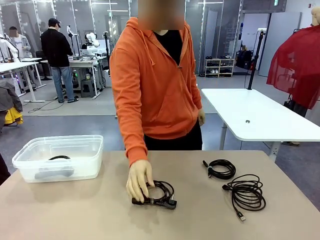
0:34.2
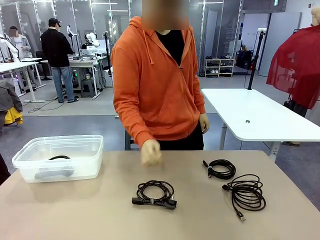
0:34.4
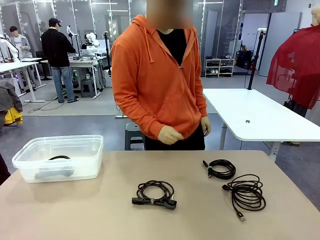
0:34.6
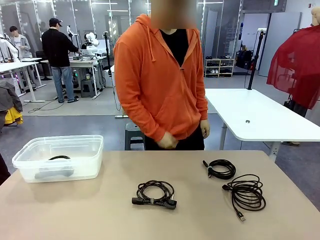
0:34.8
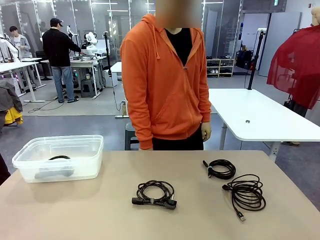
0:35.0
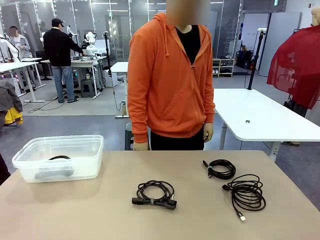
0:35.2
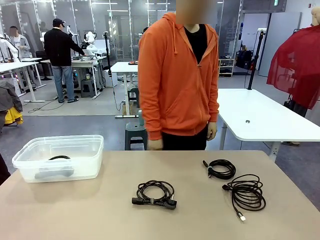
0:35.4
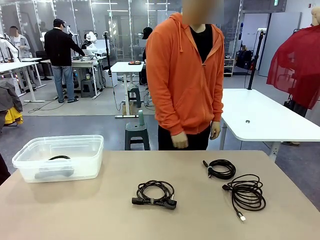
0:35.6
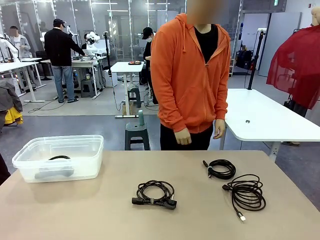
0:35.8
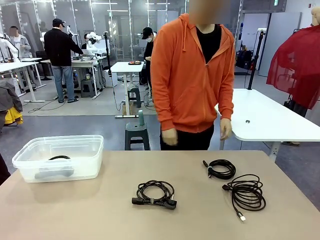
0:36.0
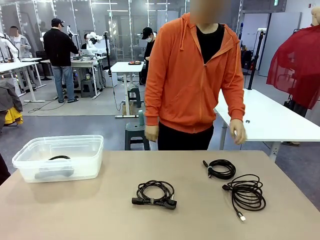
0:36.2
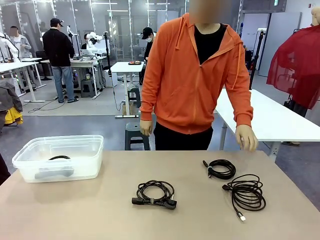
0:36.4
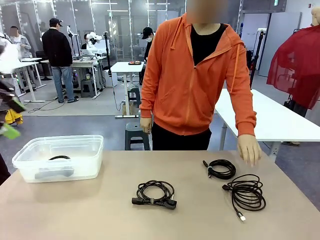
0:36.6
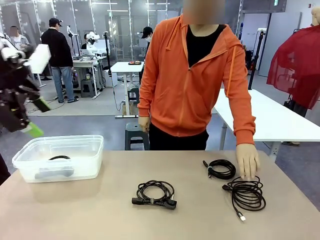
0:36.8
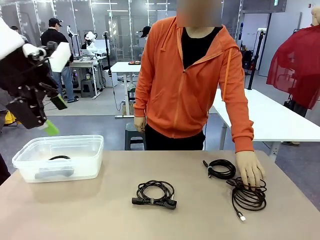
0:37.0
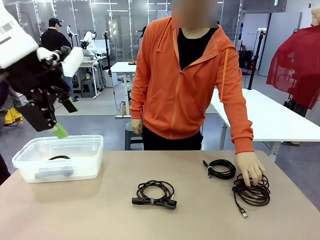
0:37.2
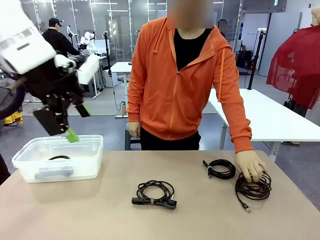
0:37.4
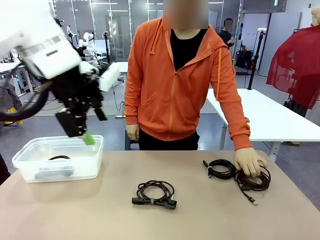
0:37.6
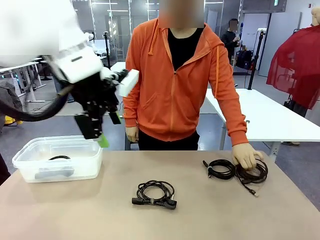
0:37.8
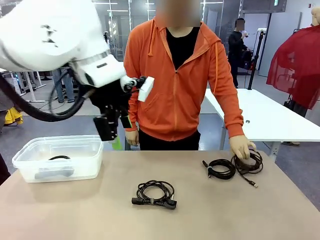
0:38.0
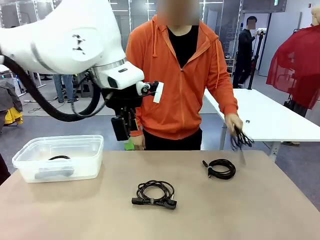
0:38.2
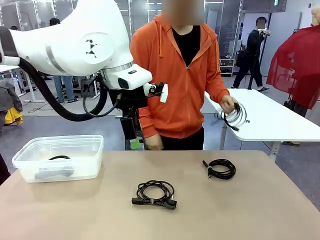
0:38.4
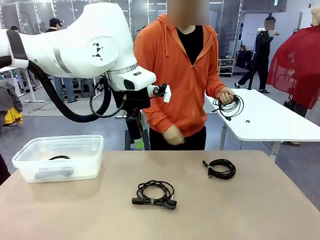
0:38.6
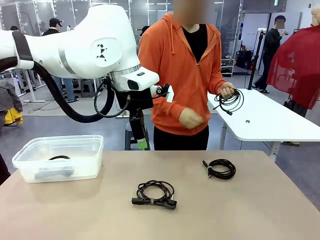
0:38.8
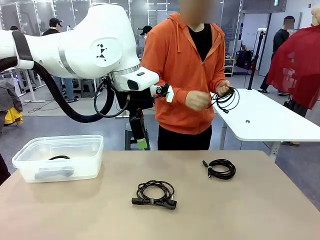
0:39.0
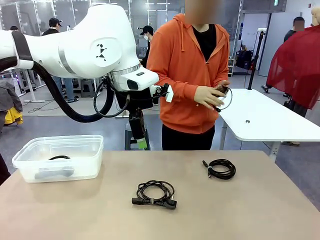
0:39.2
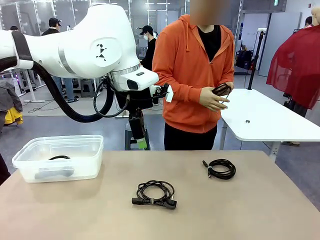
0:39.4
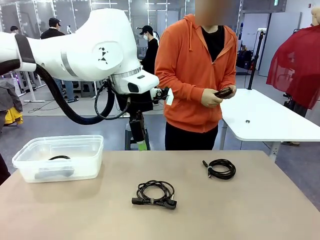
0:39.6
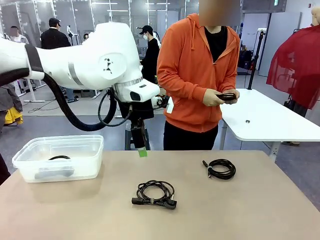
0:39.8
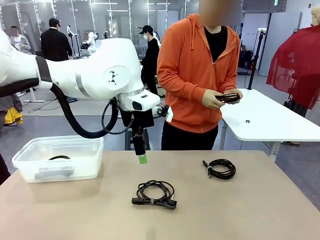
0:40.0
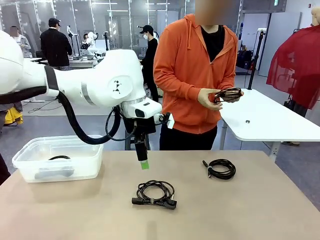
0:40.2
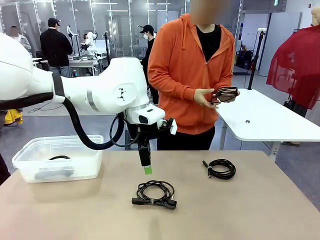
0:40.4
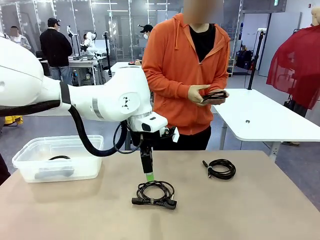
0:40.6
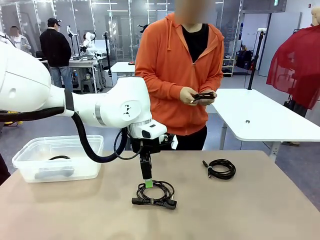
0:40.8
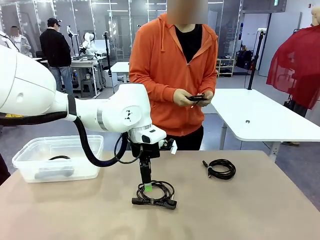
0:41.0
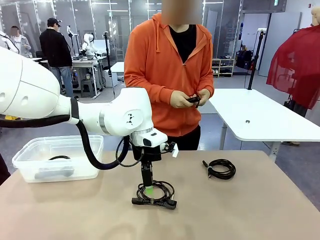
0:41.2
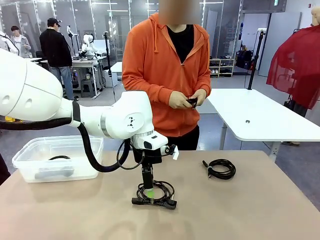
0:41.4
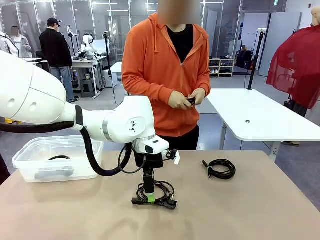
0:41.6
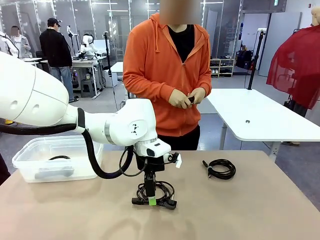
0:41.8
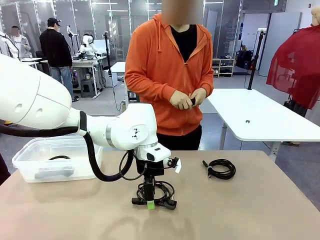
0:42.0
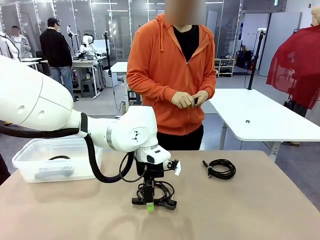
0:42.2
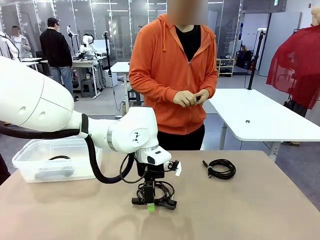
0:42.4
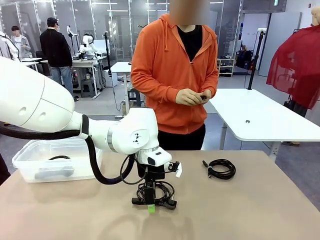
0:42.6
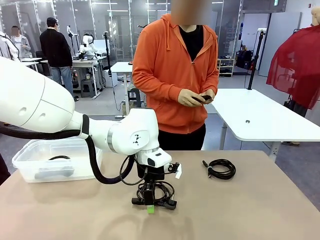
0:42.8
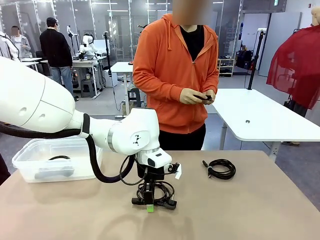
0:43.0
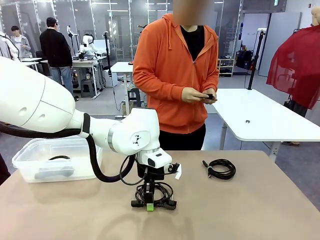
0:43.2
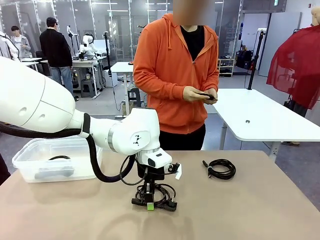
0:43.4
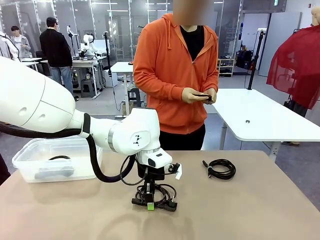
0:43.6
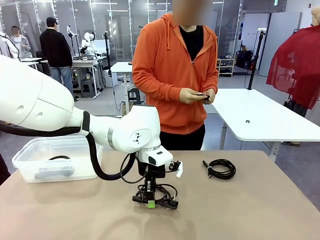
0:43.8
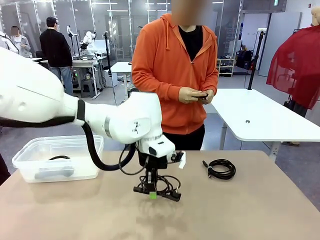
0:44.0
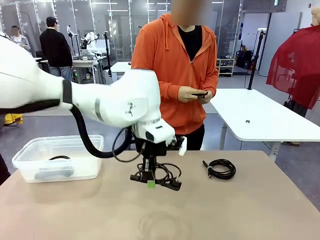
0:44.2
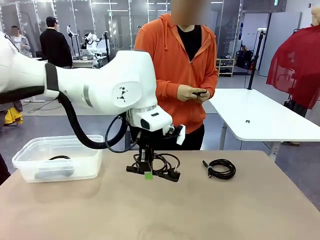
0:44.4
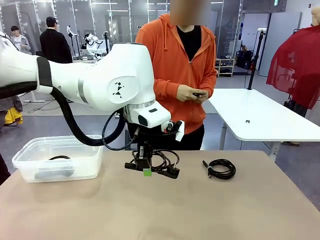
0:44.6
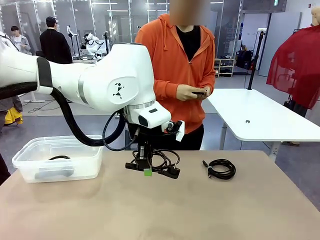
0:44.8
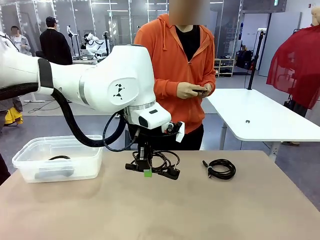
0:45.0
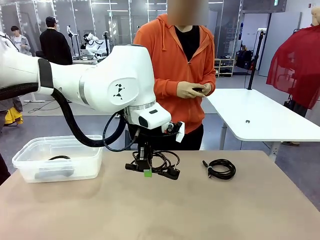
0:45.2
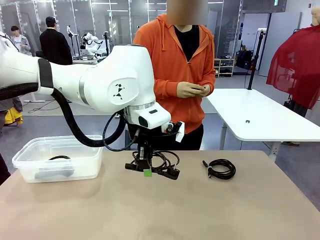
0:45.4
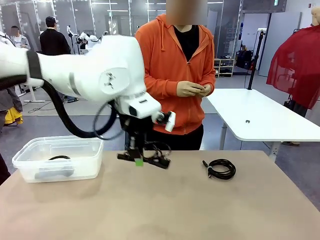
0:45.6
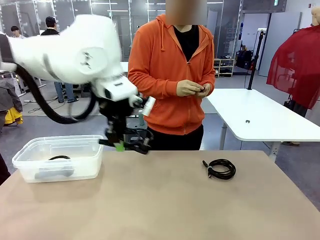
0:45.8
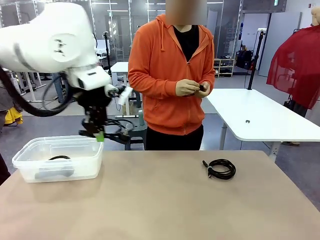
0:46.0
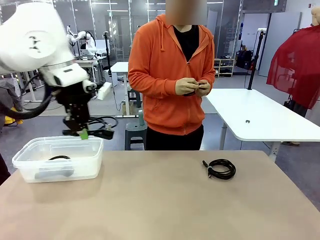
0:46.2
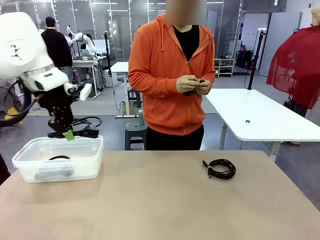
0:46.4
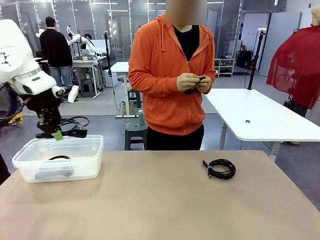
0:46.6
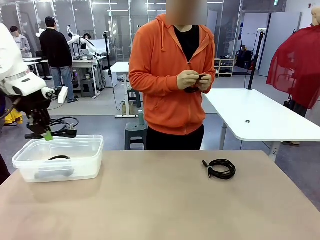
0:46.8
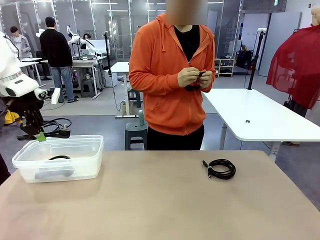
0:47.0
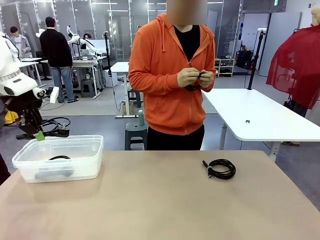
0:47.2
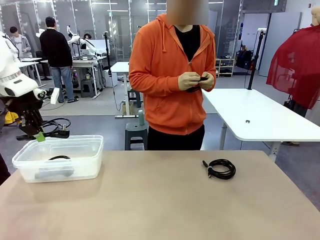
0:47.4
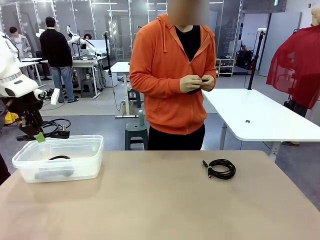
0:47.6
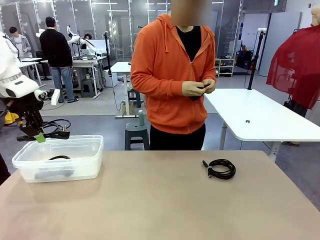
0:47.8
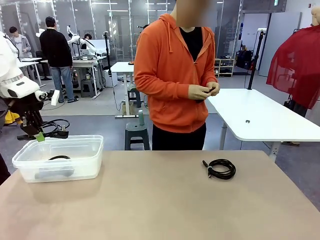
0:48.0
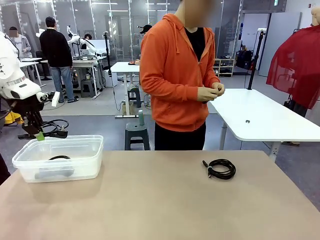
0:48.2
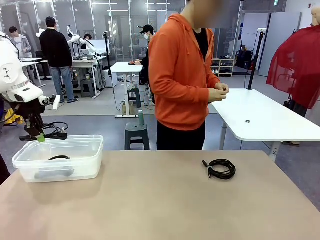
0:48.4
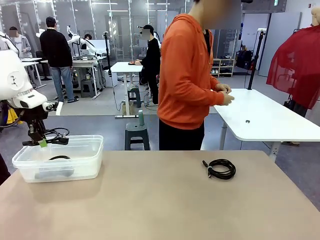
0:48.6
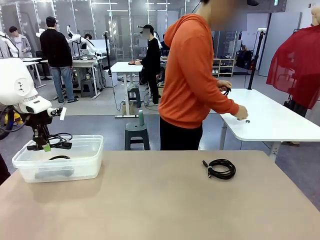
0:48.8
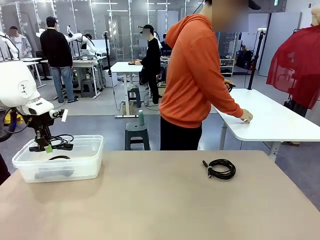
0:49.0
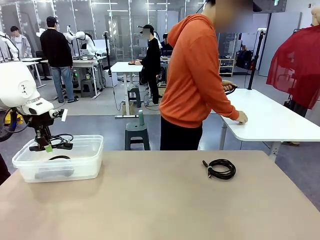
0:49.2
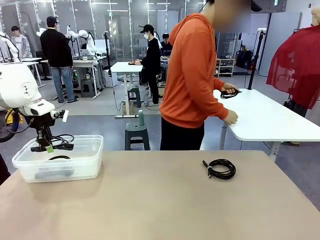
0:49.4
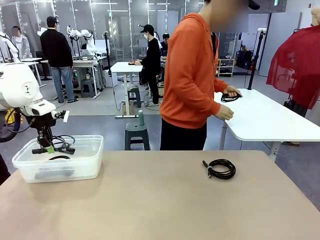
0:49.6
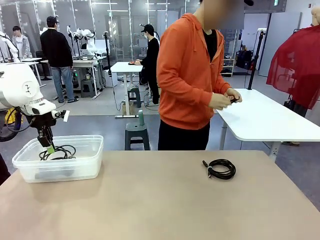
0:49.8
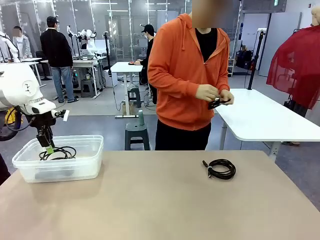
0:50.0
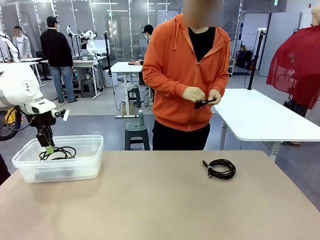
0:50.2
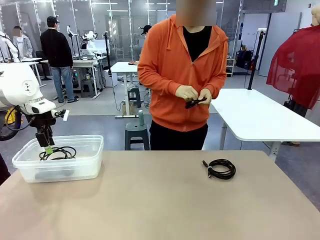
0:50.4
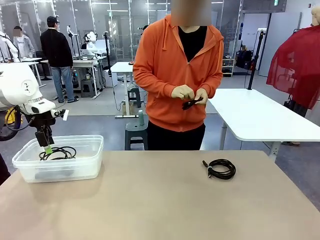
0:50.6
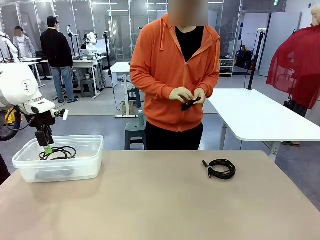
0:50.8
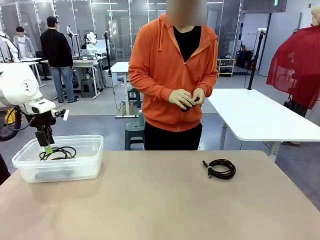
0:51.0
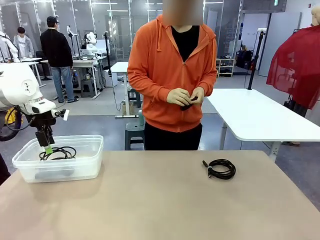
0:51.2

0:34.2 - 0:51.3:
Task: Organize and store the cables.
Robot: Place the Power Cable into the Organizing box.
